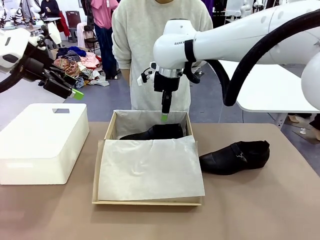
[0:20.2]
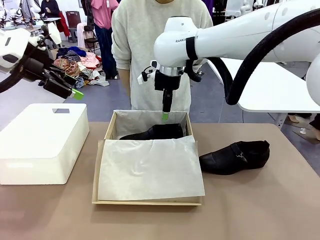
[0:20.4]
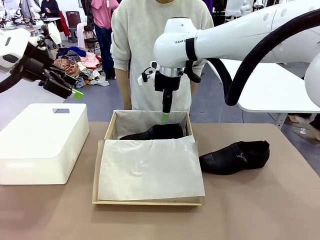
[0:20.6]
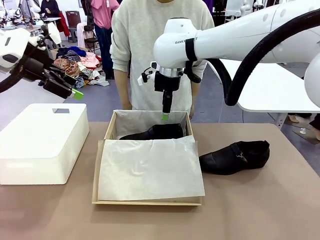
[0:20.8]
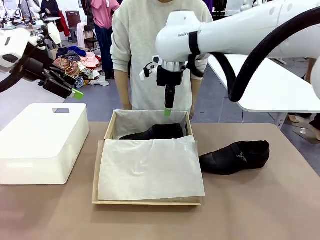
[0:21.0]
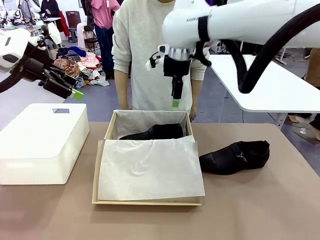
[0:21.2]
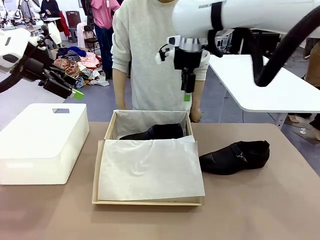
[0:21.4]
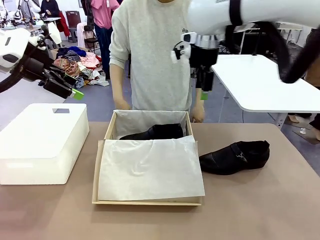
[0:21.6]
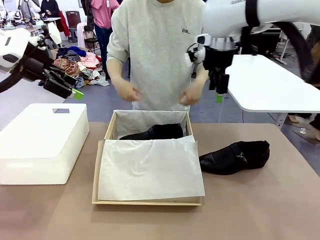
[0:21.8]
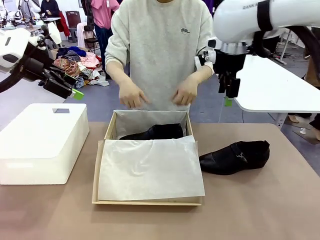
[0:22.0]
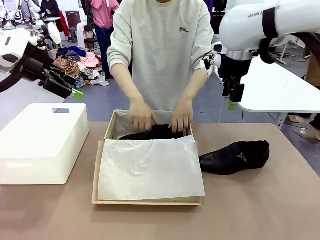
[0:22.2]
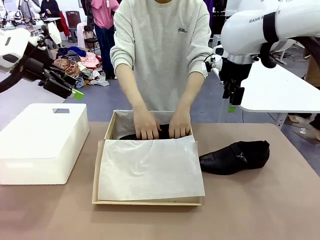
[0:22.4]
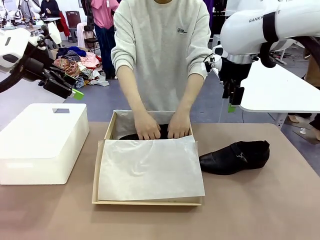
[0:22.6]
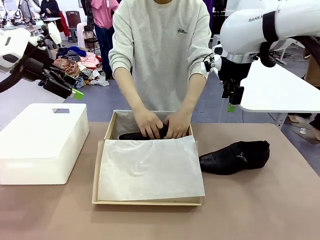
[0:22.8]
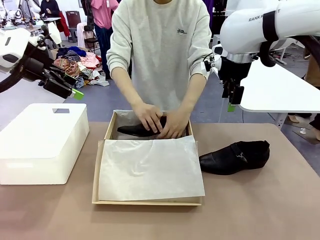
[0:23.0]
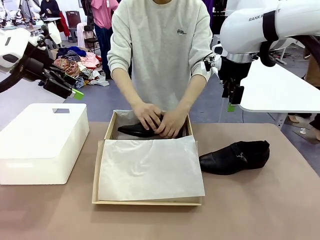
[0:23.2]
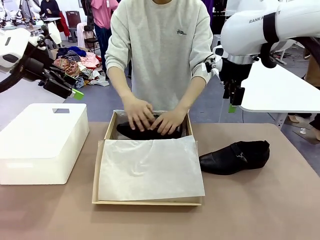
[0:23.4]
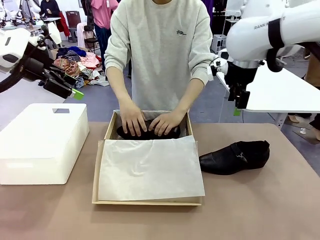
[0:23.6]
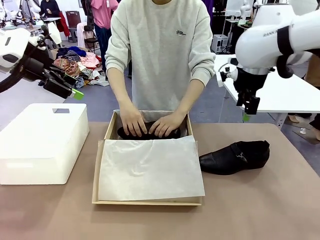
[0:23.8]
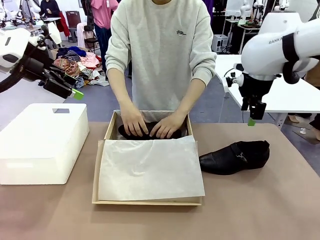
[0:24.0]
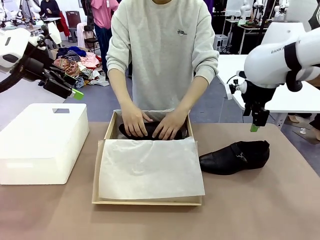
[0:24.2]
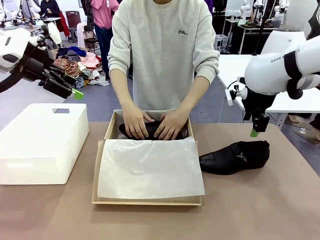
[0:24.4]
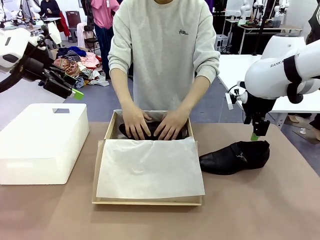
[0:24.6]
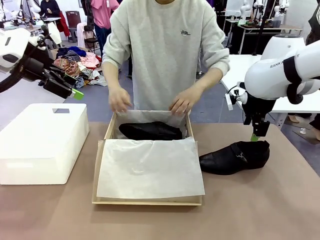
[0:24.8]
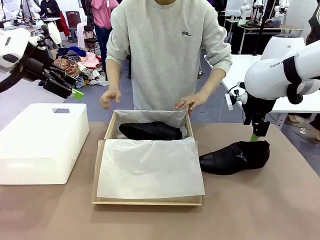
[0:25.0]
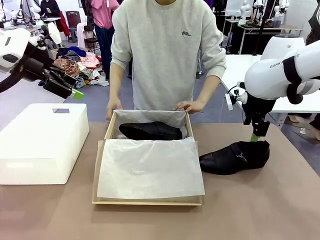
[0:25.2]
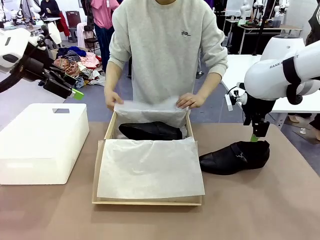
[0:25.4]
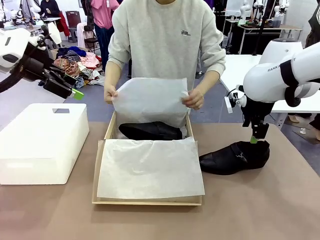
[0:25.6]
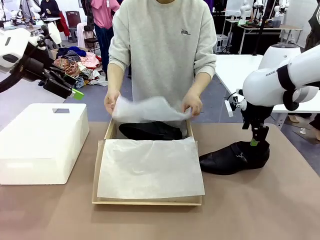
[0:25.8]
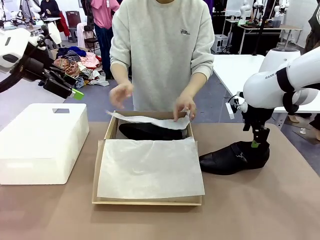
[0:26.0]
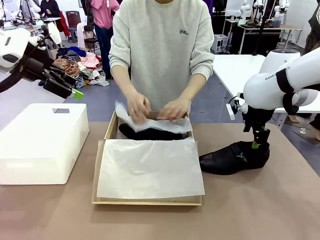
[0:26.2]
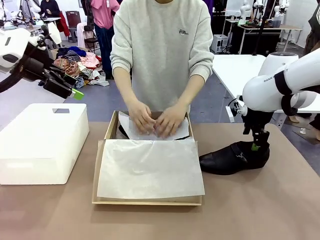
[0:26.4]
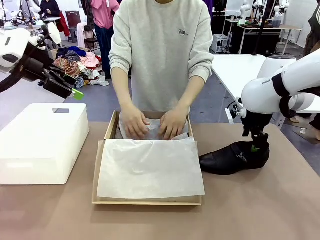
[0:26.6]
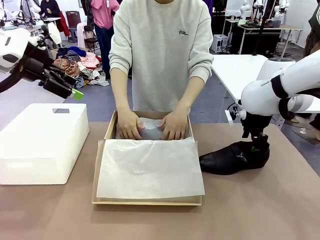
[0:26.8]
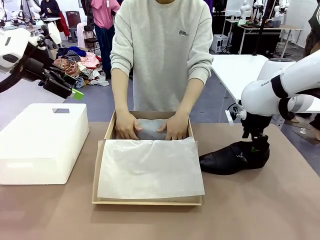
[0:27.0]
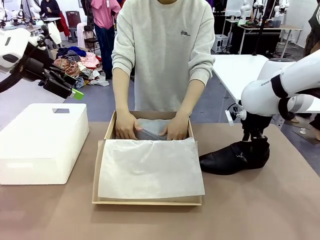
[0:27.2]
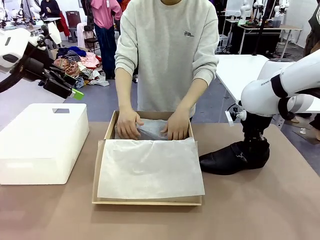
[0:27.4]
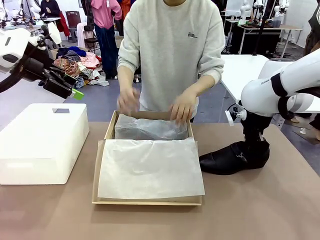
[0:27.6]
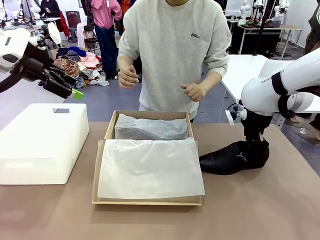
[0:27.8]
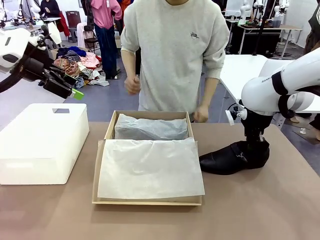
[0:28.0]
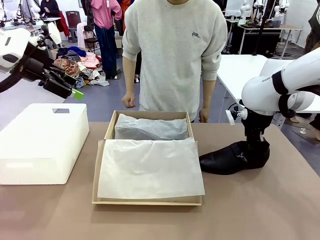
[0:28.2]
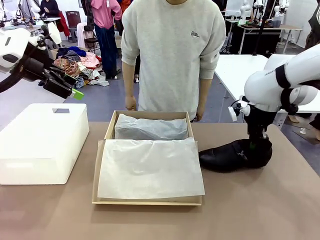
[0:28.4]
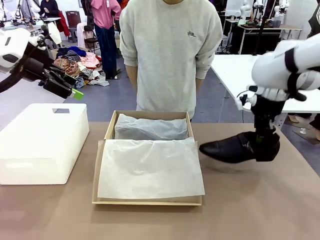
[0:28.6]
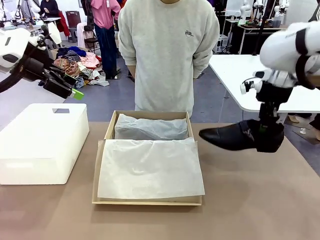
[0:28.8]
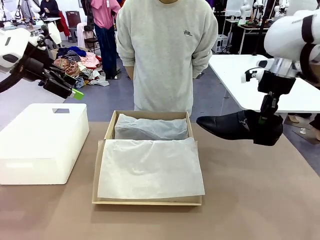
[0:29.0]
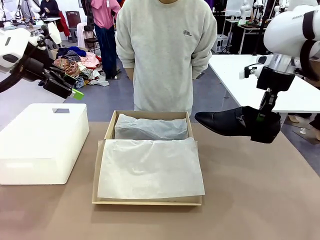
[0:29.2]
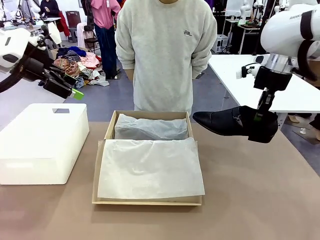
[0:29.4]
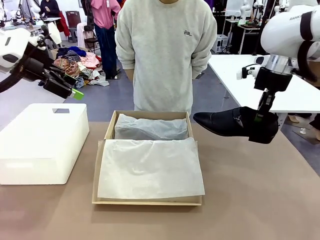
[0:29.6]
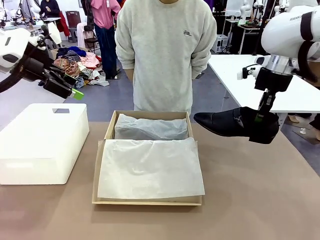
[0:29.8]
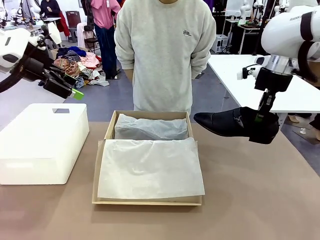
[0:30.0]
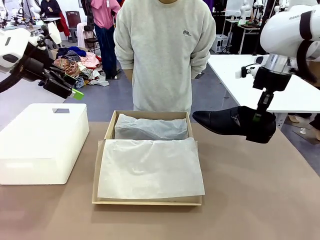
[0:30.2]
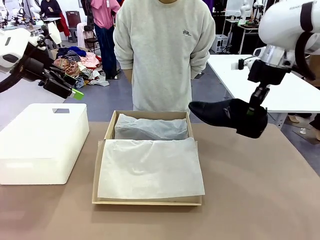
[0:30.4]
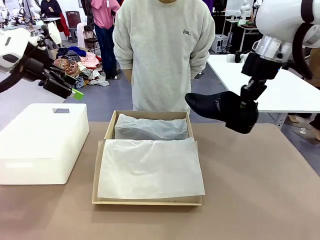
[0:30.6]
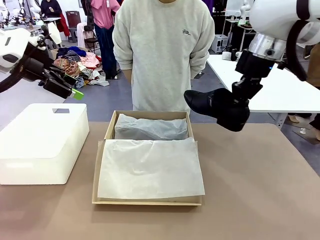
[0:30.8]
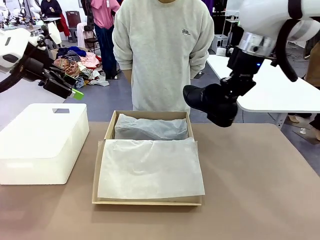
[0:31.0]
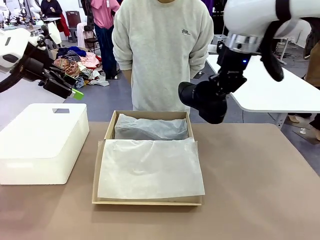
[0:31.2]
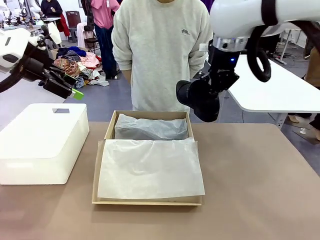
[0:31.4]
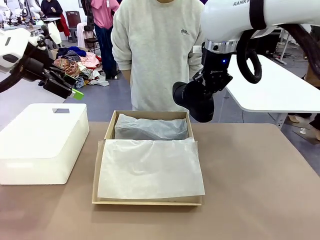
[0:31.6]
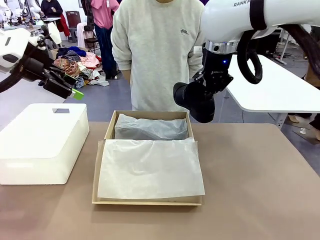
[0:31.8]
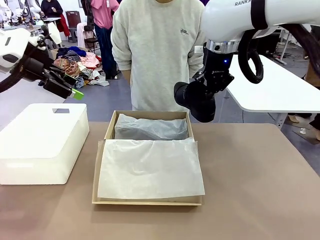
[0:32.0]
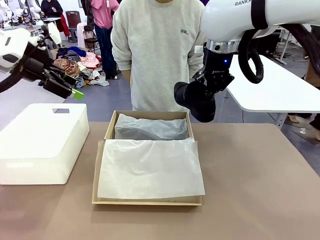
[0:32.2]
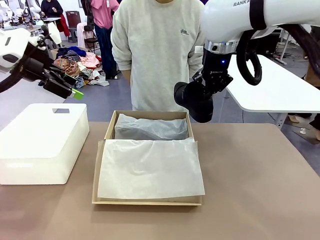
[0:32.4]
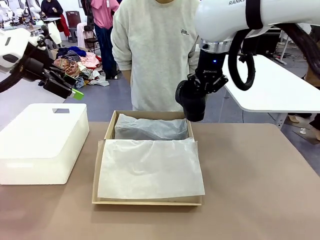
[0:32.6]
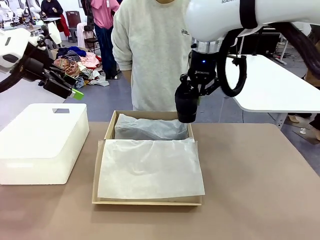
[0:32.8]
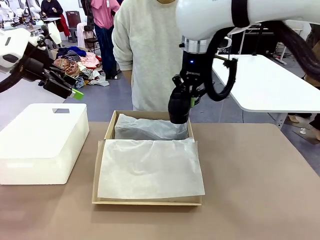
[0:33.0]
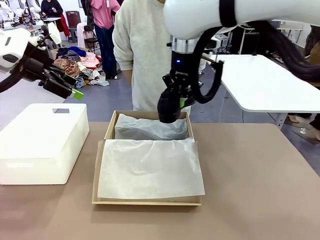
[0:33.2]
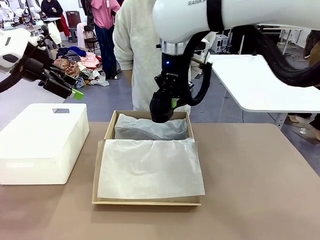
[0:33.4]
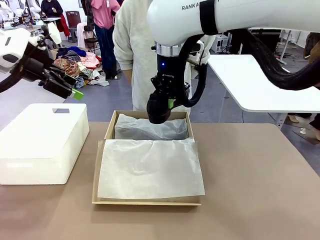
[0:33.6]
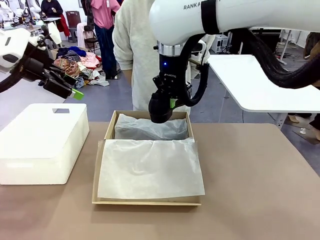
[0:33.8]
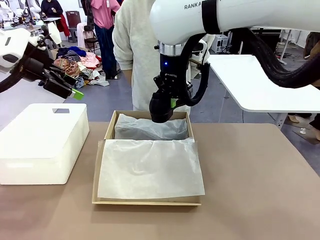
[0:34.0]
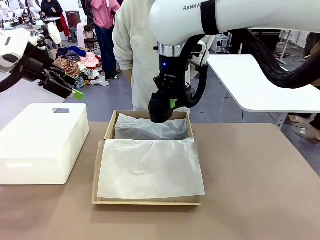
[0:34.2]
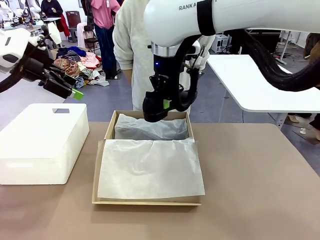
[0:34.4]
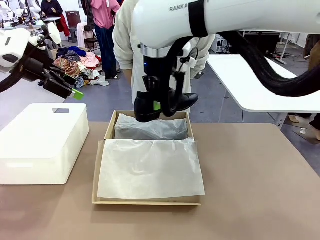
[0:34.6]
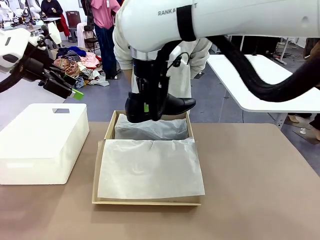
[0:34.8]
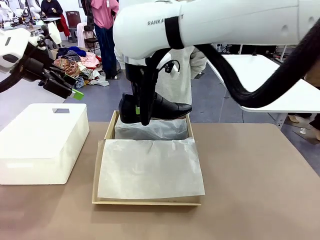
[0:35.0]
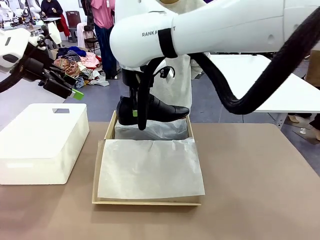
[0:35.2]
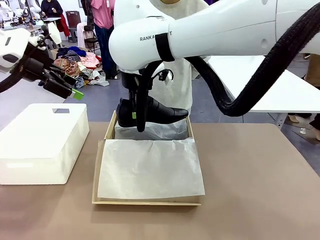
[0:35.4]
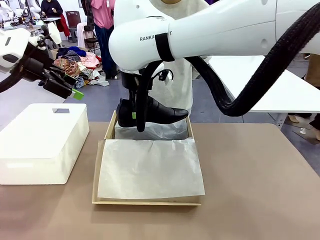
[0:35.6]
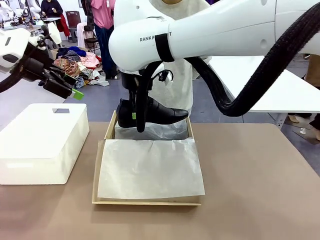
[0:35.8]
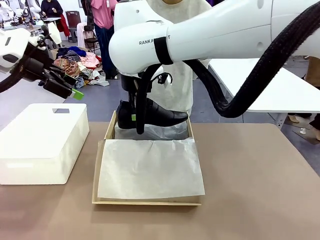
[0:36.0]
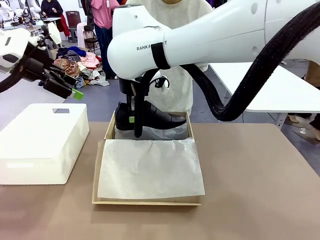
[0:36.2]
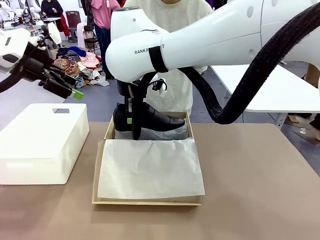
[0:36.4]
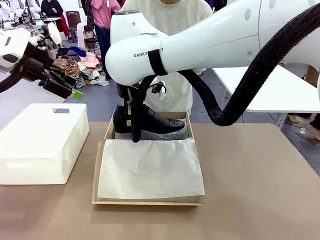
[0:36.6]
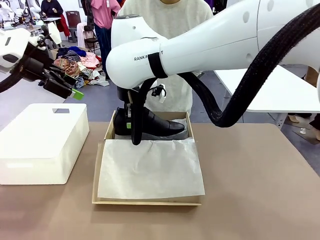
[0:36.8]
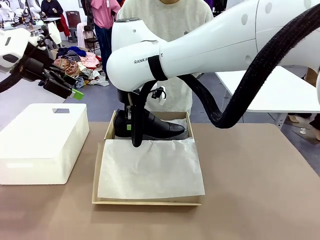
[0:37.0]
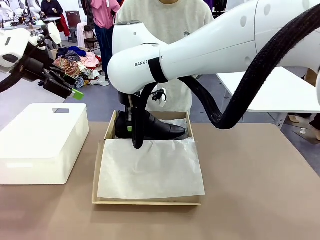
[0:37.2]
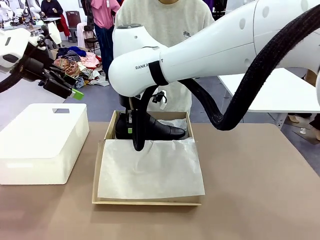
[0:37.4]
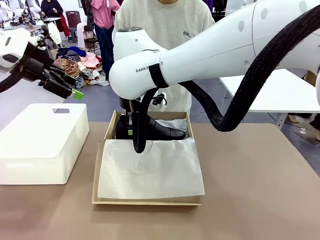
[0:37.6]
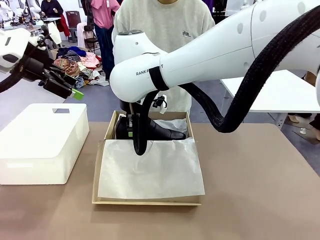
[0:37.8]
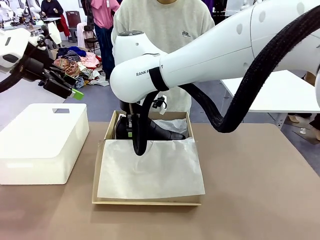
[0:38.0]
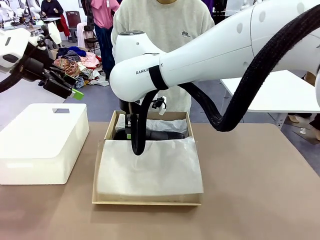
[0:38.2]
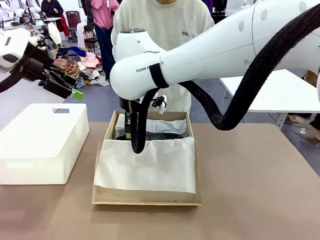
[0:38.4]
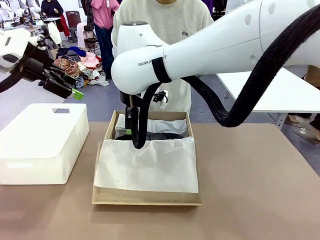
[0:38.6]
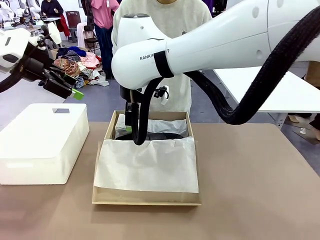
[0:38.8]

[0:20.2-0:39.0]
Task: Pack the shoes into the box.
Robot: Place the other shoe of the Shoes into the Shoes Box.
Person: Pack a shoe of Shoes inside the Shoes Box with Shoes Wrapping Paper.
